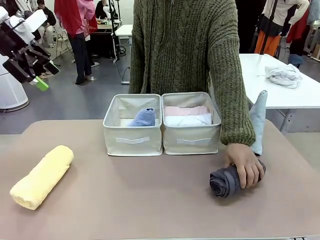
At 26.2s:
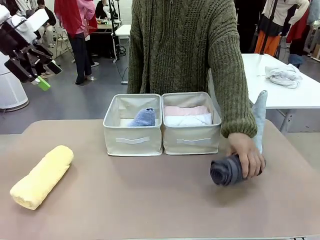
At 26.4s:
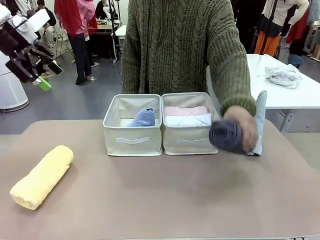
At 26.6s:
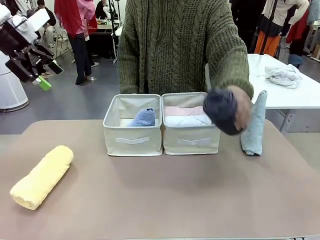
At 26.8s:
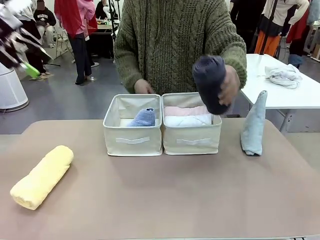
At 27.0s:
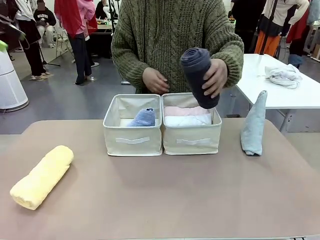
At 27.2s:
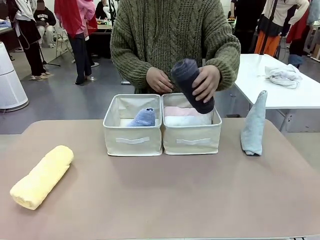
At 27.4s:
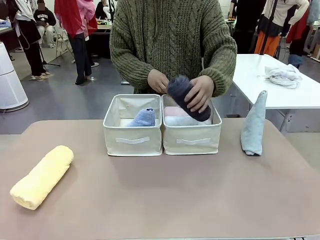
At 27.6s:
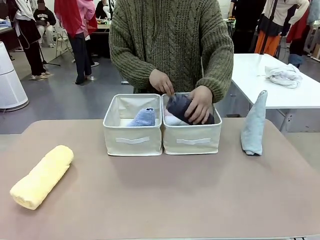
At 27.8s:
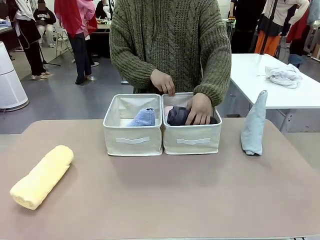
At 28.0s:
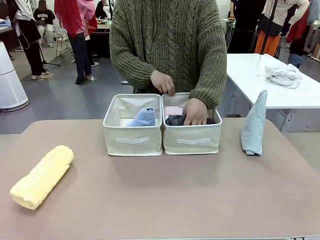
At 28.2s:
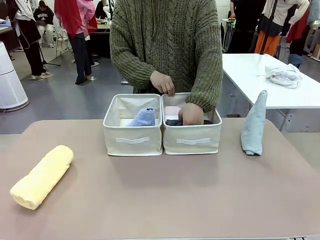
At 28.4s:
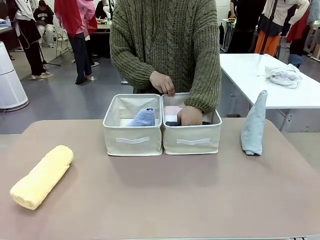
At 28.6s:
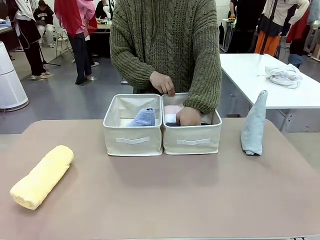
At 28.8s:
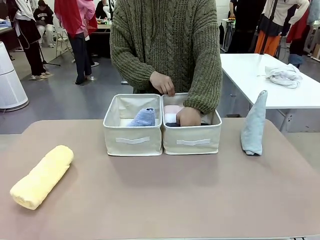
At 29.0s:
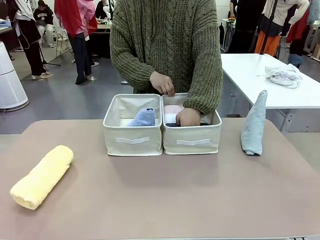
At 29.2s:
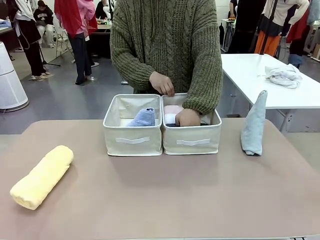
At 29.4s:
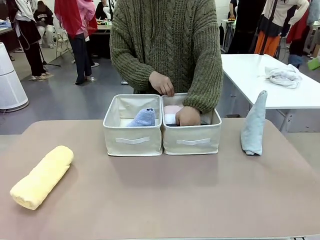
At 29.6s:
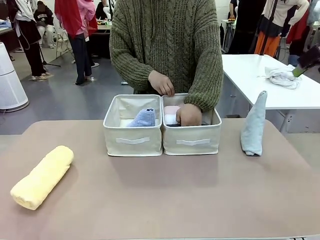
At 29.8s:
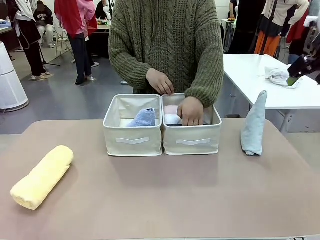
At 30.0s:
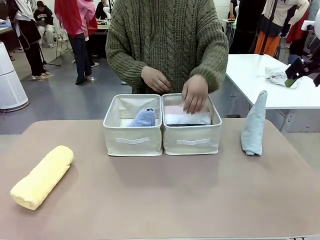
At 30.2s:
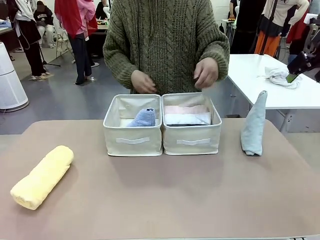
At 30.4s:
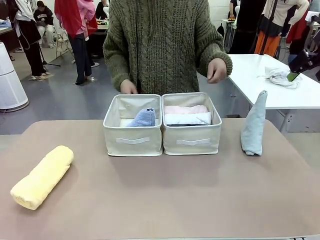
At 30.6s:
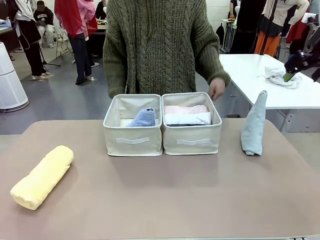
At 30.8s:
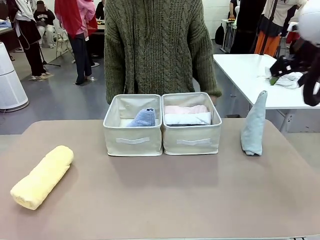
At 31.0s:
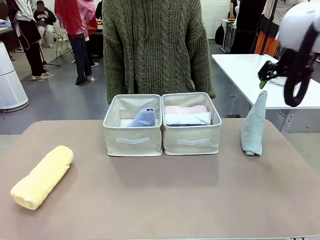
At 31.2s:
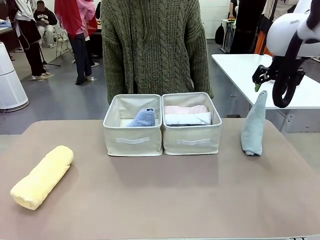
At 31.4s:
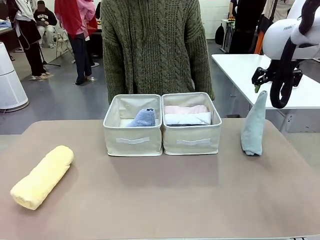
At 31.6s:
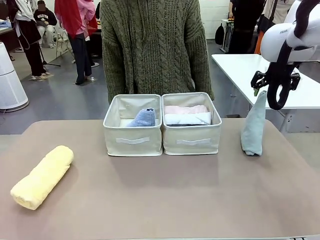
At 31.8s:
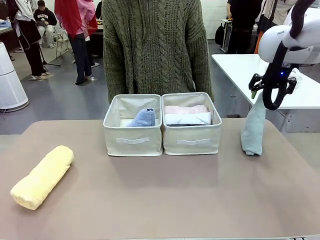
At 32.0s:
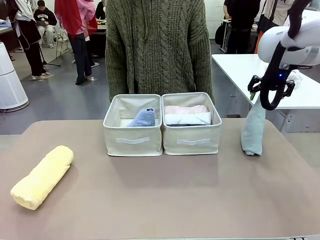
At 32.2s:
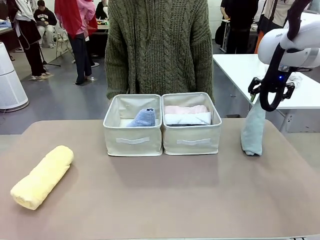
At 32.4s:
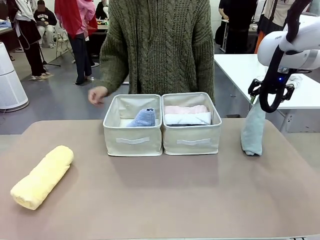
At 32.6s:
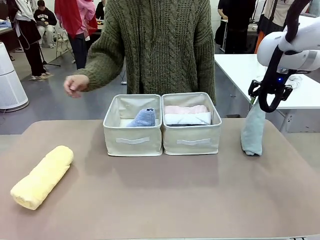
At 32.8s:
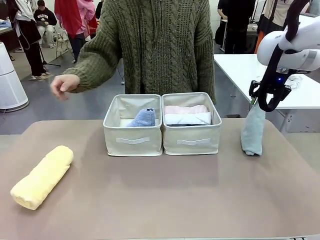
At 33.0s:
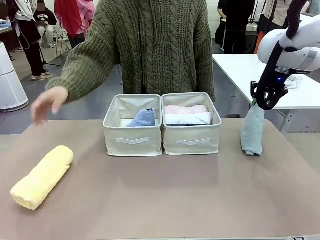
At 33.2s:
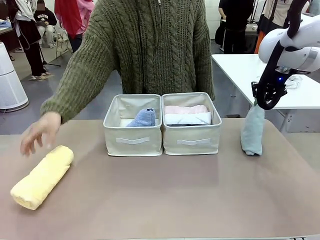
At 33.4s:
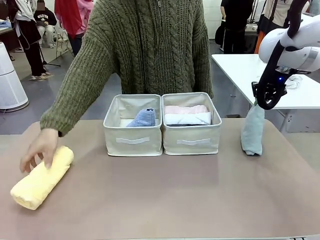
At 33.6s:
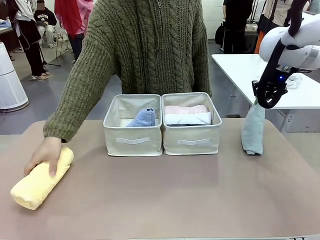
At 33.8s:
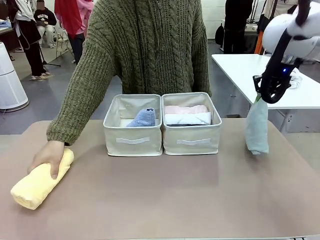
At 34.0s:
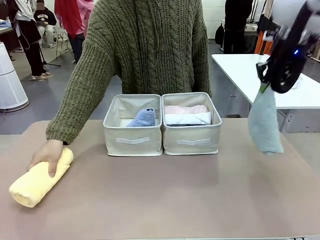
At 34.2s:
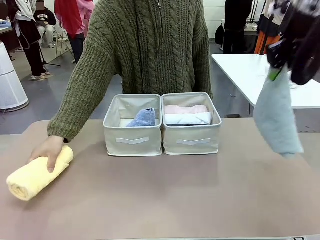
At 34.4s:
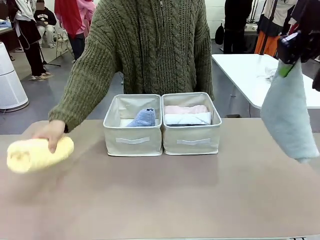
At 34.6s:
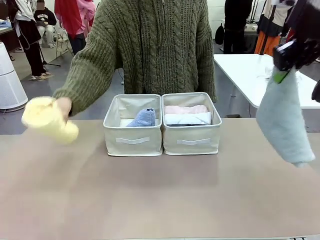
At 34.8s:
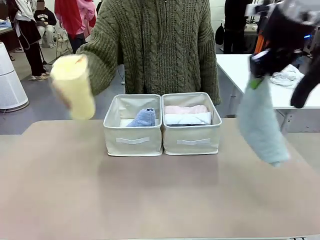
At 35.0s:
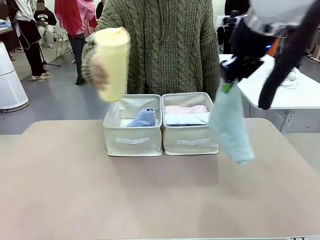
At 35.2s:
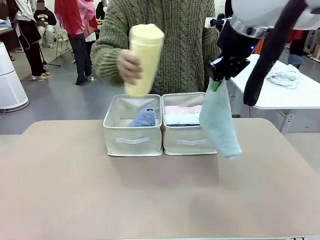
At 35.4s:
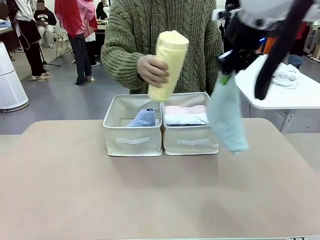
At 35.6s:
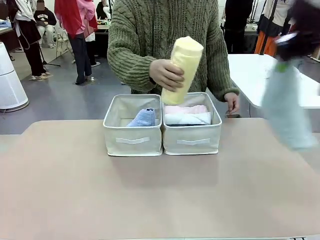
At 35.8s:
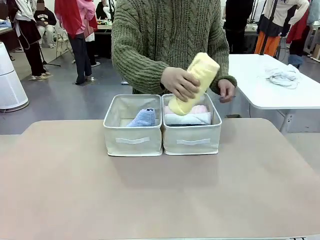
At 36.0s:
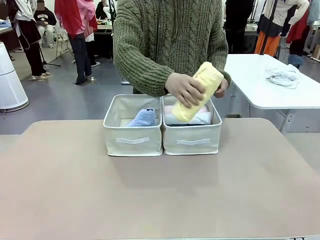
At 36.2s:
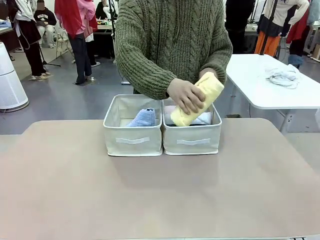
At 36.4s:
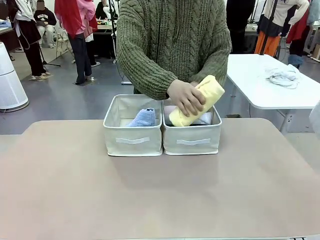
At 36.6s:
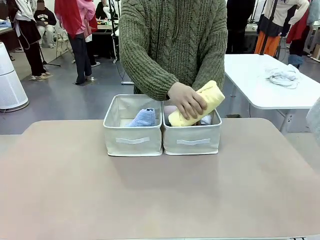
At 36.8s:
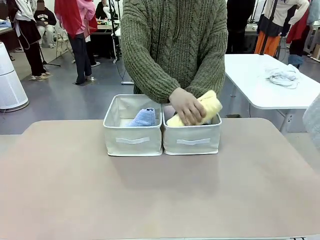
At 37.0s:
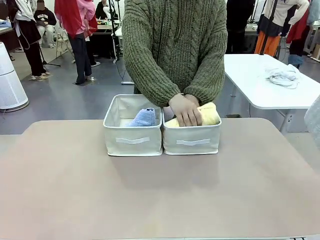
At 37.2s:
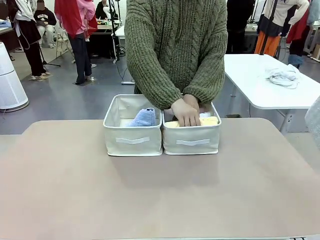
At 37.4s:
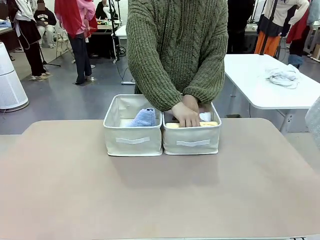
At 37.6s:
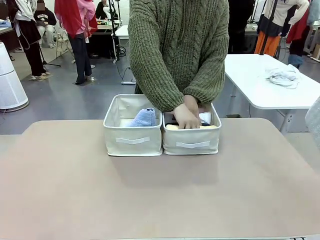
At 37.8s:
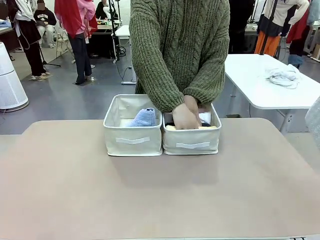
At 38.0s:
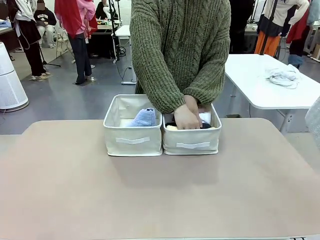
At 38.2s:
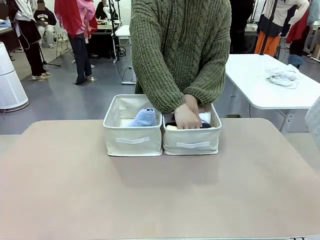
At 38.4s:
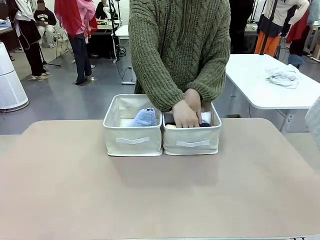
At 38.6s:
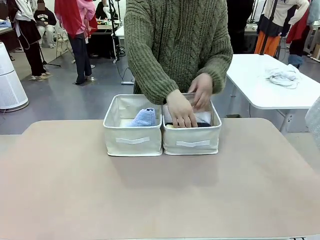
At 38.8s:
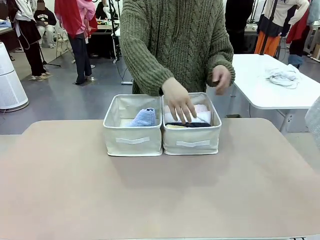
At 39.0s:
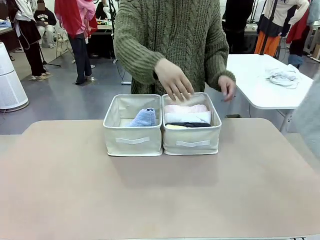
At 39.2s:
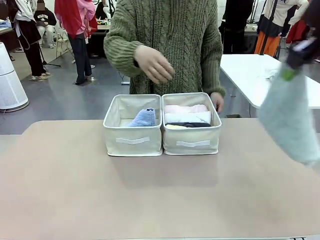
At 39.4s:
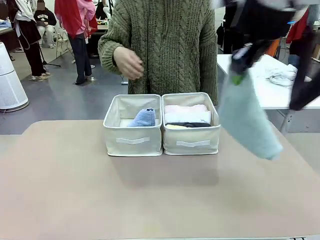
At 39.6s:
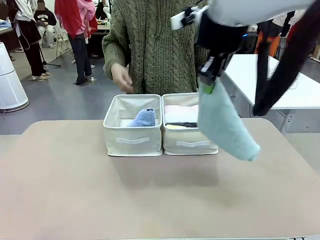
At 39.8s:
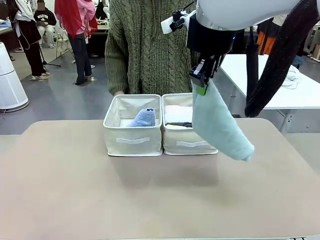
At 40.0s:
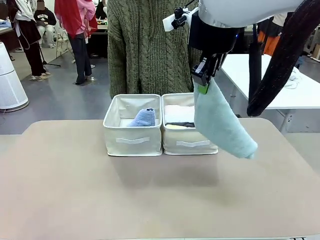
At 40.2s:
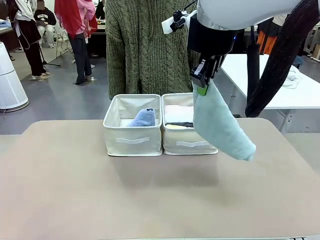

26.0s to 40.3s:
Task: Sort the towels based on their folding style.
Robot: Pick up another triangle-folded towel from the table and place it in the left Fabric basket.

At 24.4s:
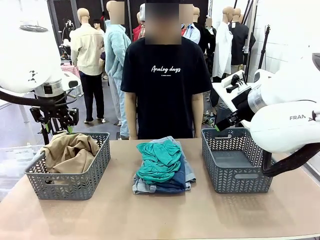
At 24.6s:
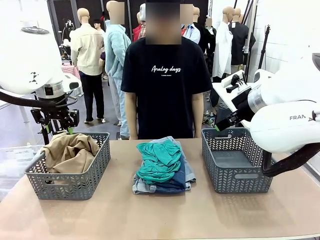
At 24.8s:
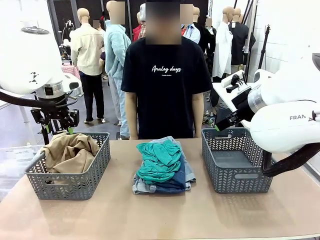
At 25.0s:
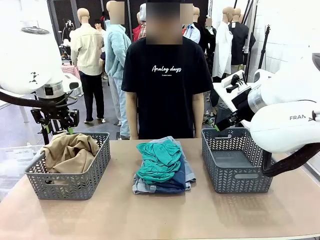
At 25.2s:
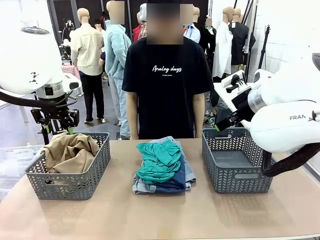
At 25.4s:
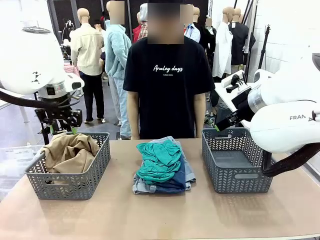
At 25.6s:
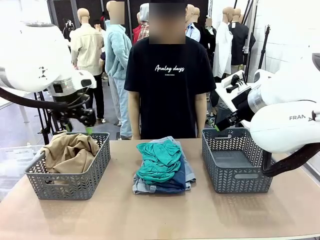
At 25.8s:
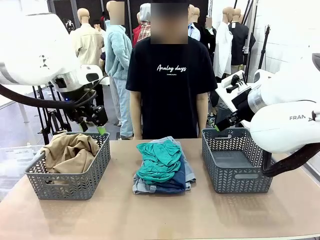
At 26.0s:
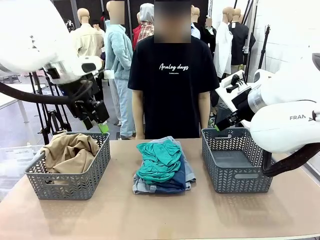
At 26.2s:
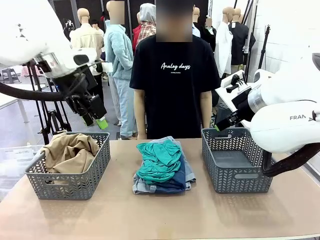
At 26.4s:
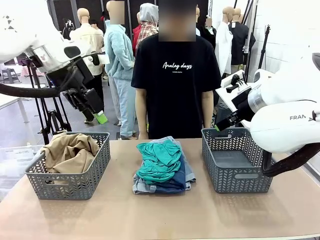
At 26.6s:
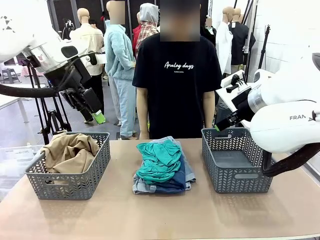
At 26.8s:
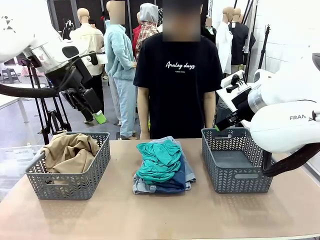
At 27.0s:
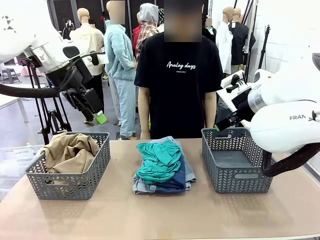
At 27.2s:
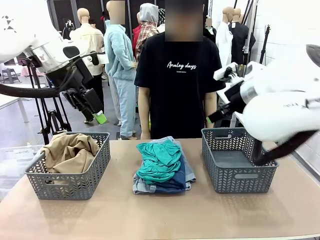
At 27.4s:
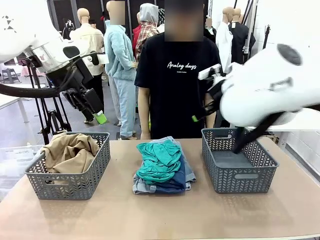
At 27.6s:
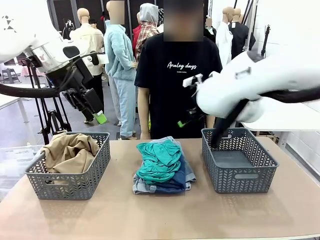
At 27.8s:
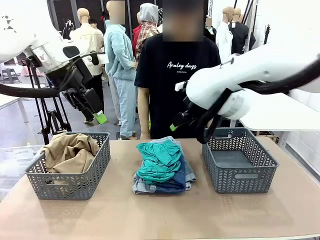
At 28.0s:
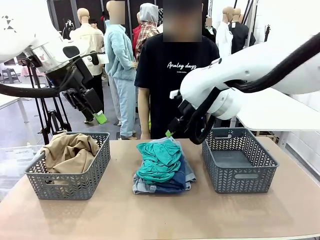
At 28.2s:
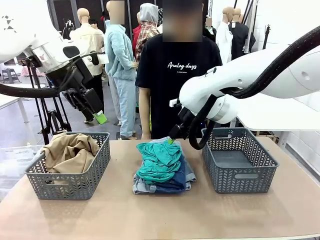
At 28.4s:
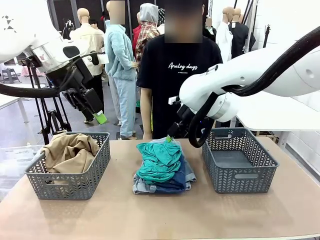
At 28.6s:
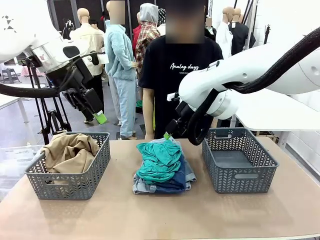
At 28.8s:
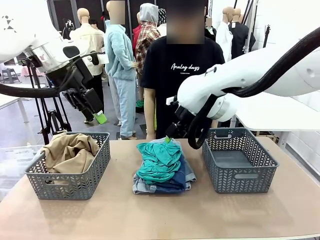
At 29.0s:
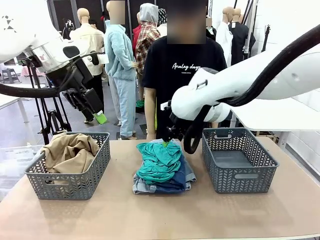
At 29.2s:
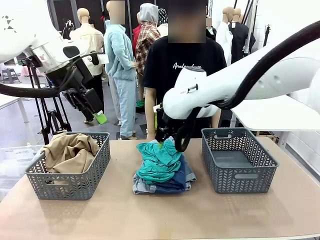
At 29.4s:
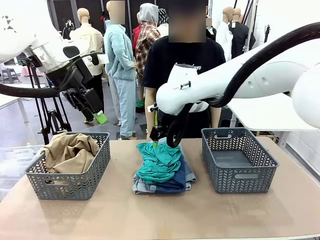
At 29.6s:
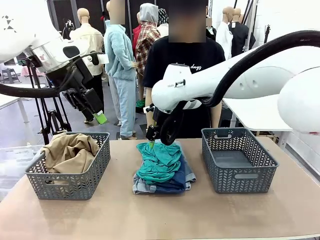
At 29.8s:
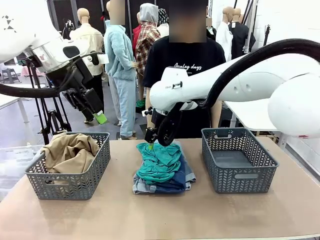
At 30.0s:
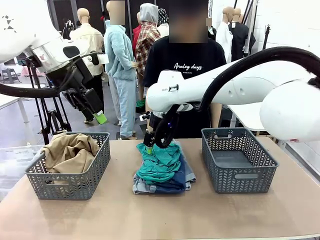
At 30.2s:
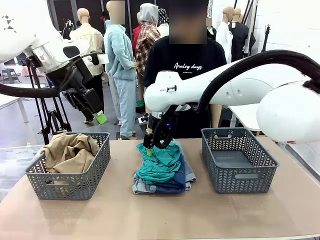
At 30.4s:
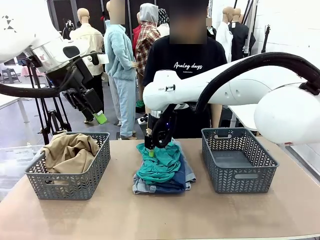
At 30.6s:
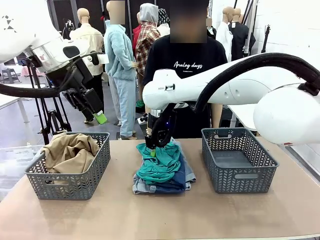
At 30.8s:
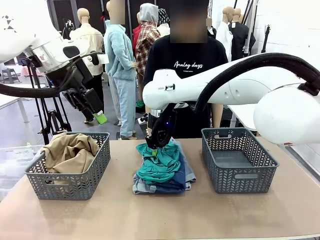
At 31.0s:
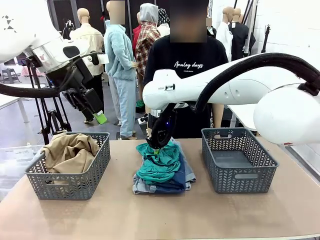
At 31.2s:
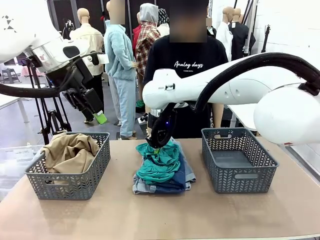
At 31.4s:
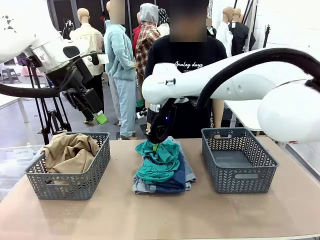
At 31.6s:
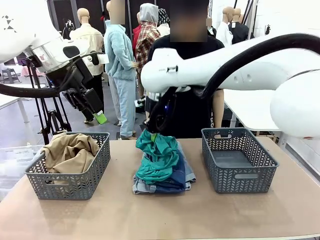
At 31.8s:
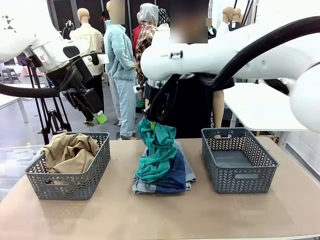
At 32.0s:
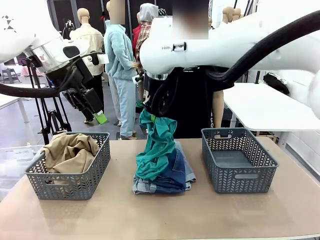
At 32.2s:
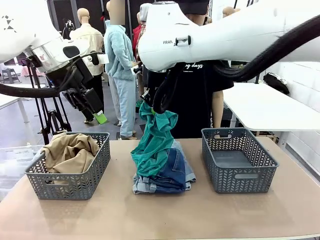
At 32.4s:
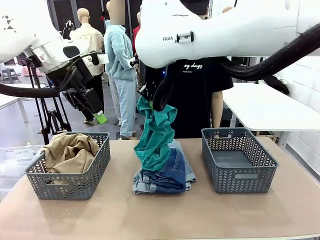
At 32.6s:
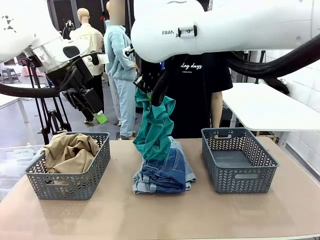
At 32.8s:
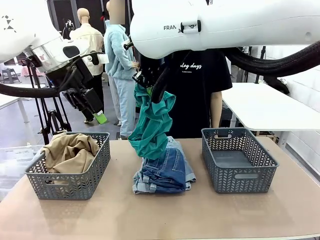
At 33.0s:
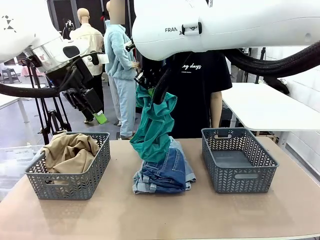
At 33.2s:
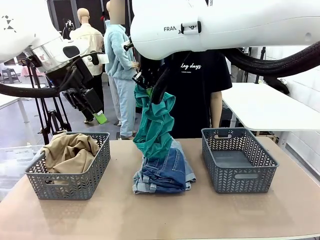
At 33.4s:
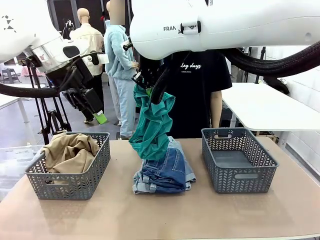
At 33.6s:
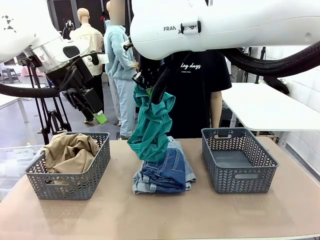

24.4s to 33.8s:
Task: Sort the tops and bottoms.
Robot: Lift clothes from the center of the table with your right hand.
